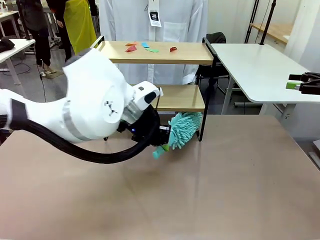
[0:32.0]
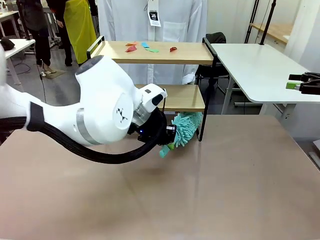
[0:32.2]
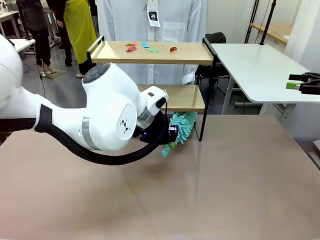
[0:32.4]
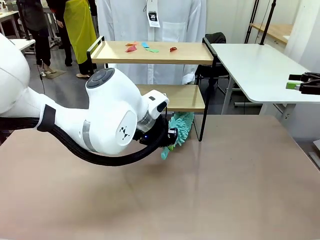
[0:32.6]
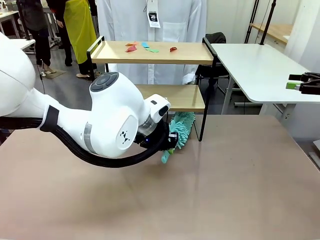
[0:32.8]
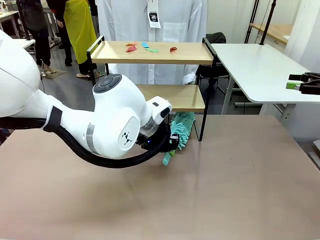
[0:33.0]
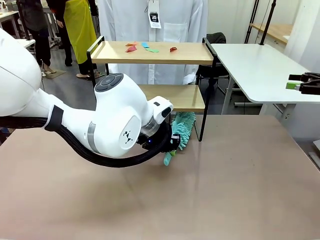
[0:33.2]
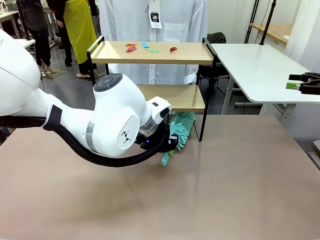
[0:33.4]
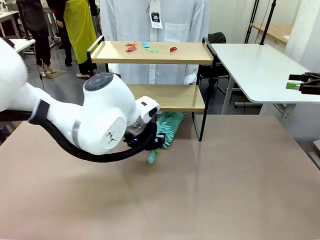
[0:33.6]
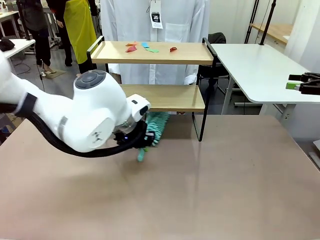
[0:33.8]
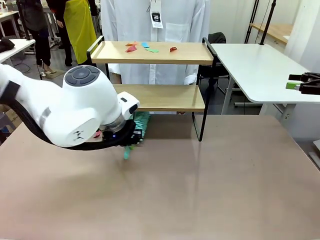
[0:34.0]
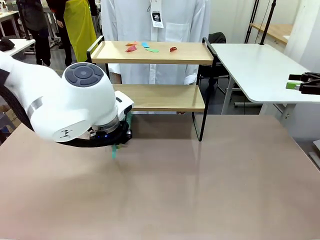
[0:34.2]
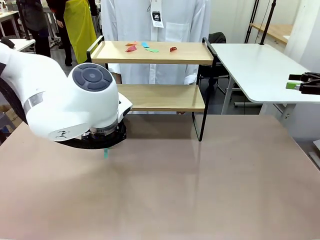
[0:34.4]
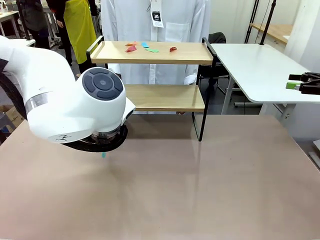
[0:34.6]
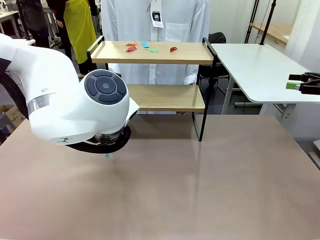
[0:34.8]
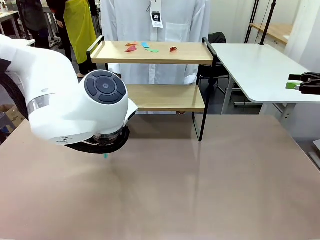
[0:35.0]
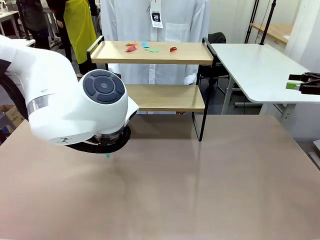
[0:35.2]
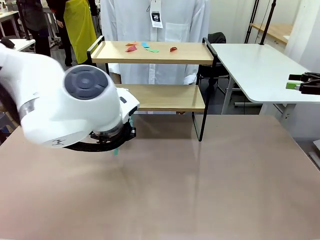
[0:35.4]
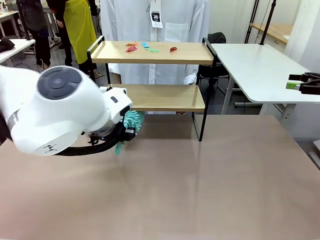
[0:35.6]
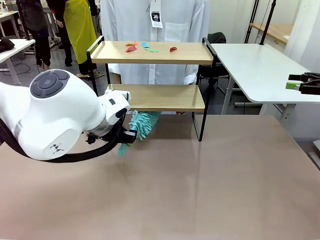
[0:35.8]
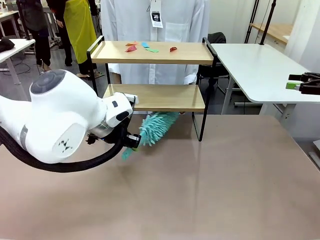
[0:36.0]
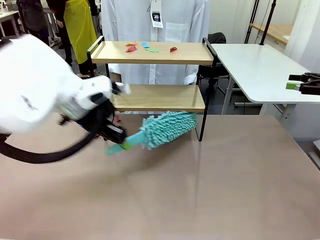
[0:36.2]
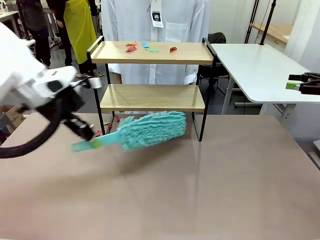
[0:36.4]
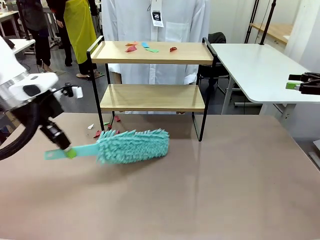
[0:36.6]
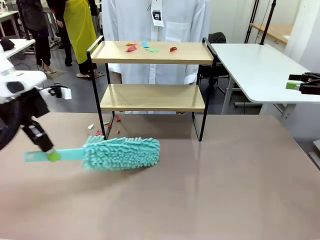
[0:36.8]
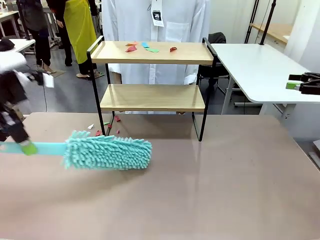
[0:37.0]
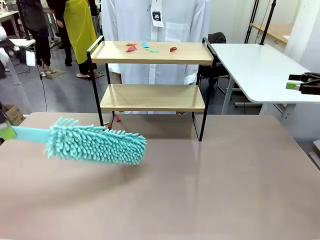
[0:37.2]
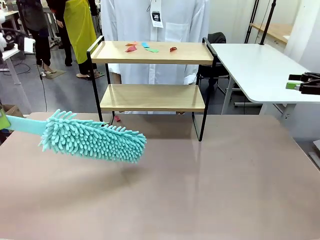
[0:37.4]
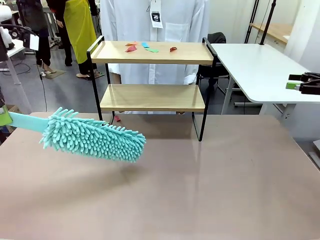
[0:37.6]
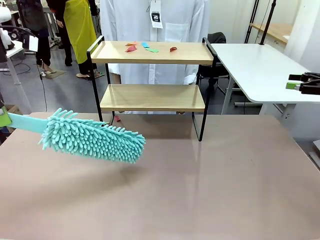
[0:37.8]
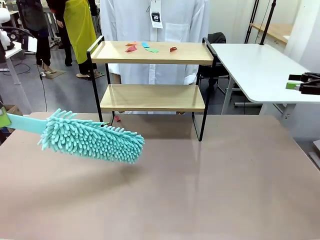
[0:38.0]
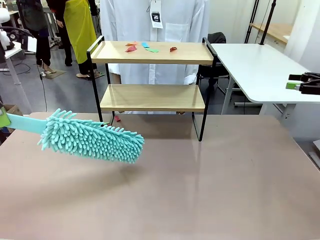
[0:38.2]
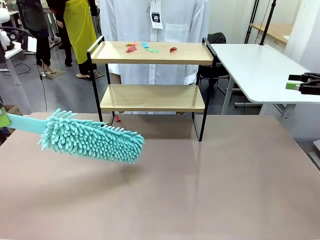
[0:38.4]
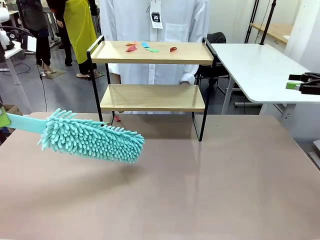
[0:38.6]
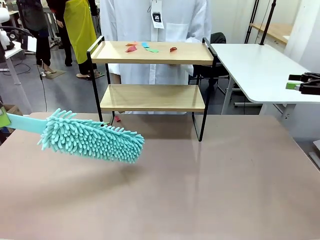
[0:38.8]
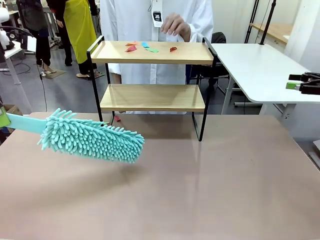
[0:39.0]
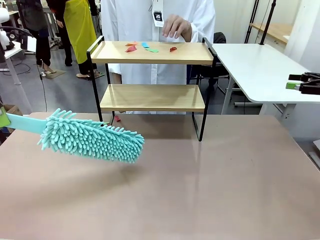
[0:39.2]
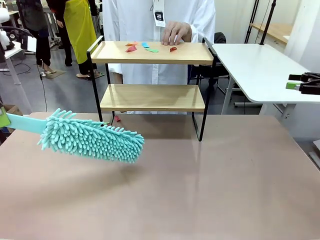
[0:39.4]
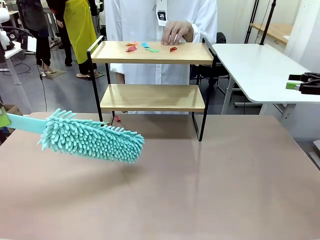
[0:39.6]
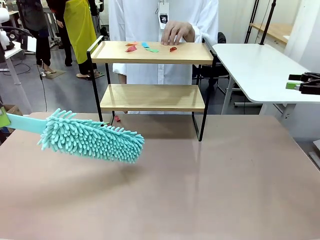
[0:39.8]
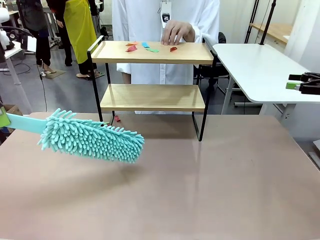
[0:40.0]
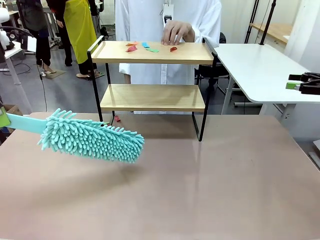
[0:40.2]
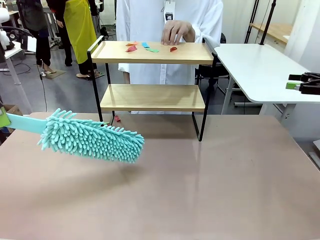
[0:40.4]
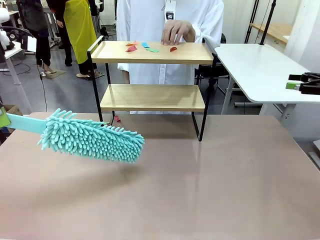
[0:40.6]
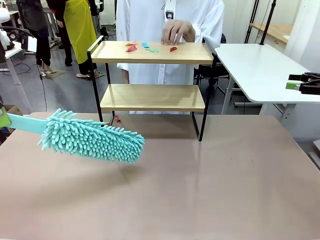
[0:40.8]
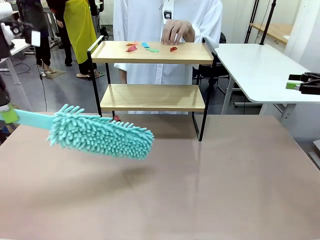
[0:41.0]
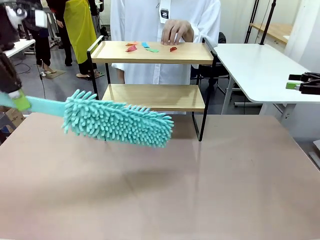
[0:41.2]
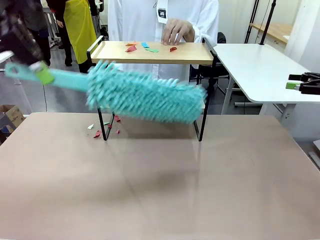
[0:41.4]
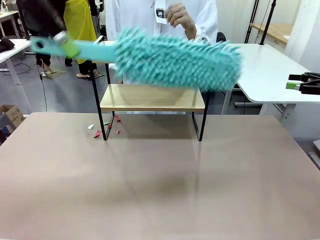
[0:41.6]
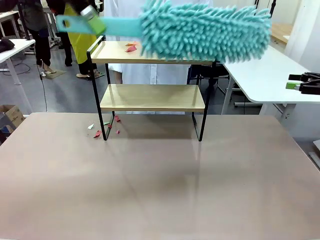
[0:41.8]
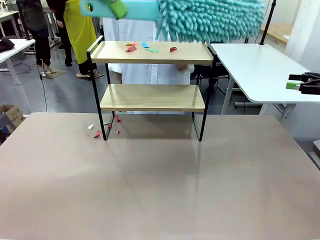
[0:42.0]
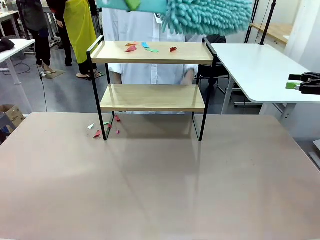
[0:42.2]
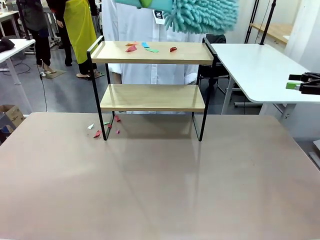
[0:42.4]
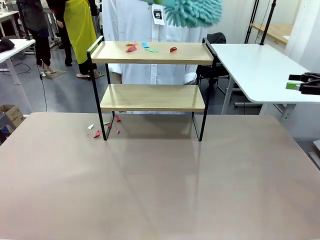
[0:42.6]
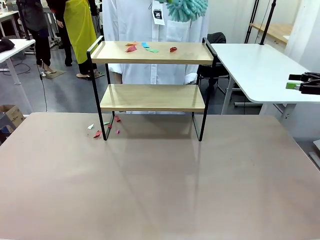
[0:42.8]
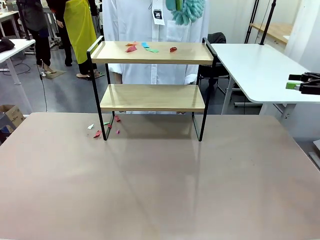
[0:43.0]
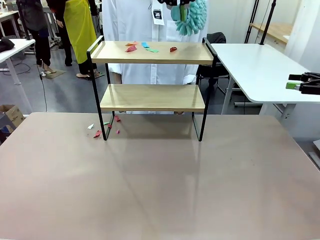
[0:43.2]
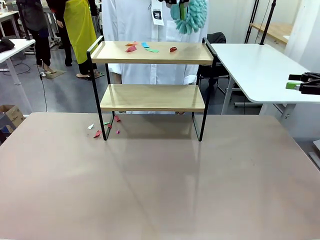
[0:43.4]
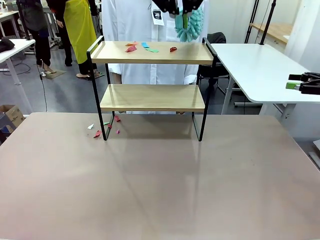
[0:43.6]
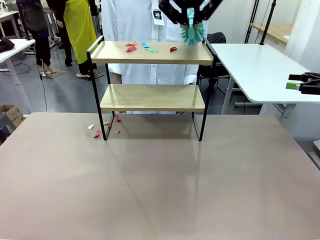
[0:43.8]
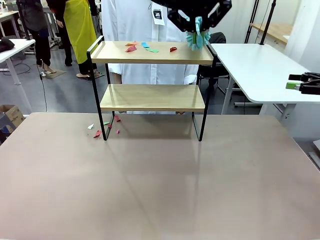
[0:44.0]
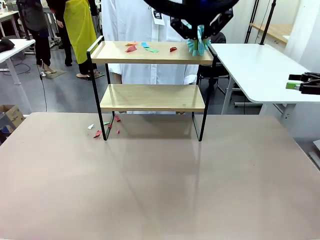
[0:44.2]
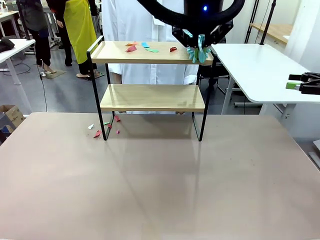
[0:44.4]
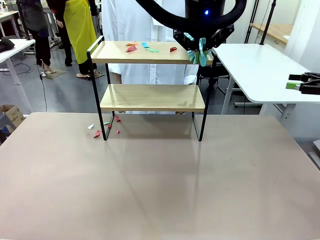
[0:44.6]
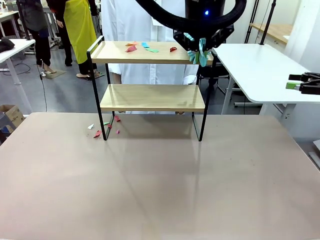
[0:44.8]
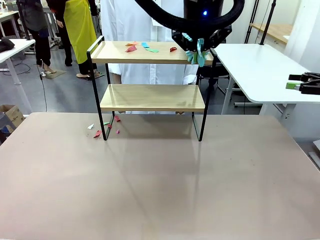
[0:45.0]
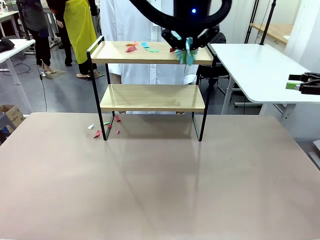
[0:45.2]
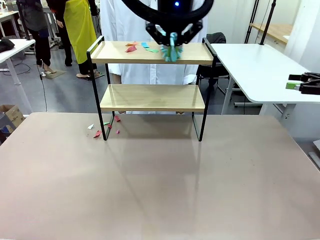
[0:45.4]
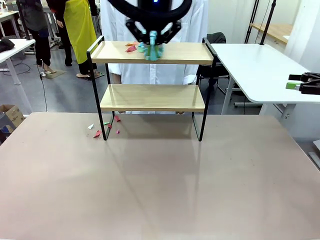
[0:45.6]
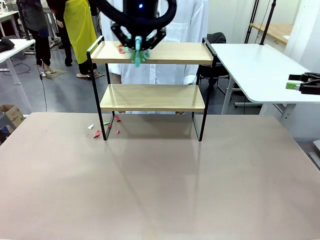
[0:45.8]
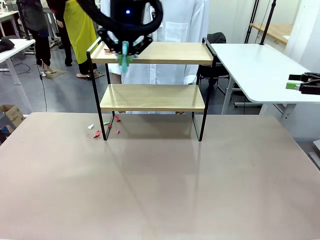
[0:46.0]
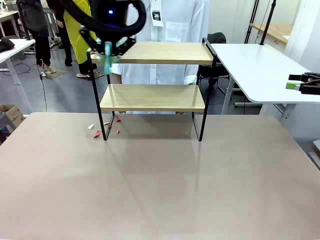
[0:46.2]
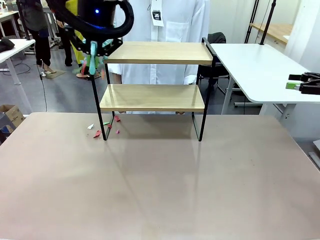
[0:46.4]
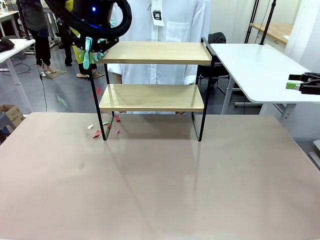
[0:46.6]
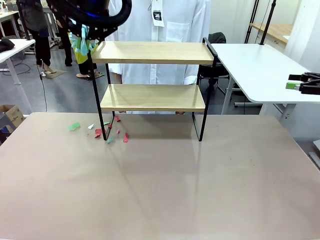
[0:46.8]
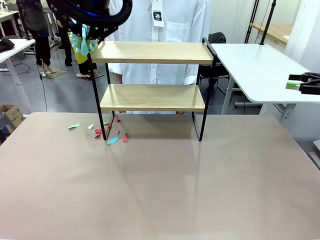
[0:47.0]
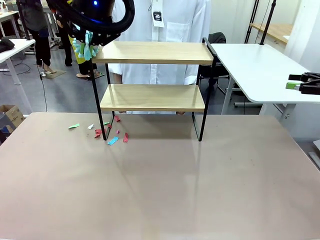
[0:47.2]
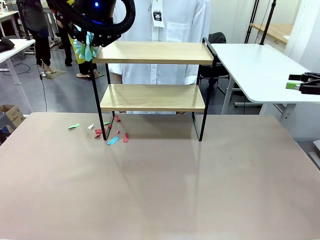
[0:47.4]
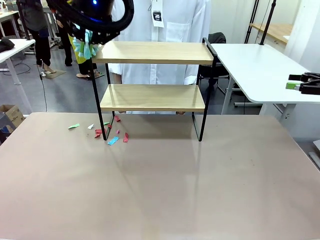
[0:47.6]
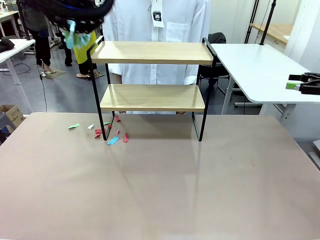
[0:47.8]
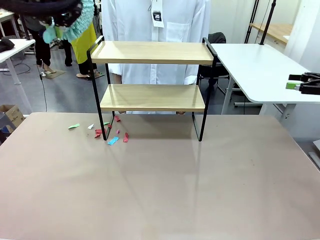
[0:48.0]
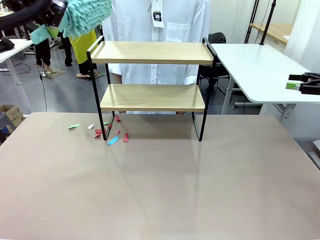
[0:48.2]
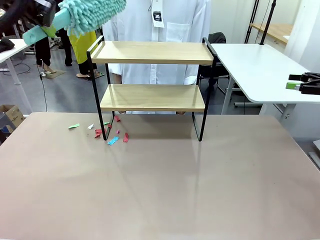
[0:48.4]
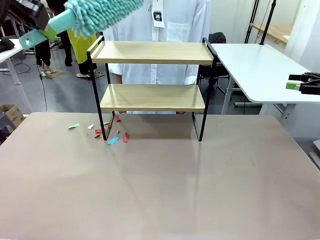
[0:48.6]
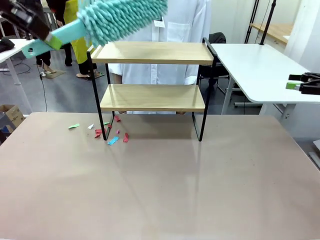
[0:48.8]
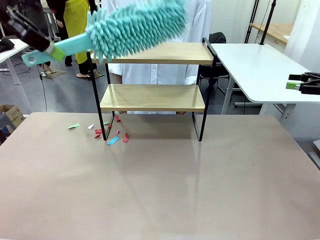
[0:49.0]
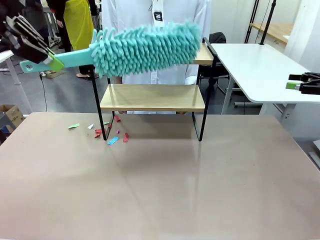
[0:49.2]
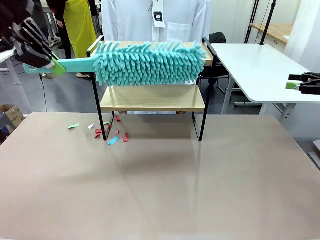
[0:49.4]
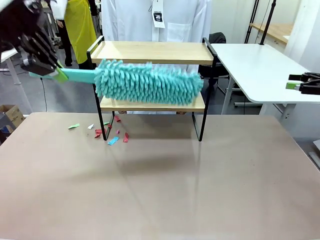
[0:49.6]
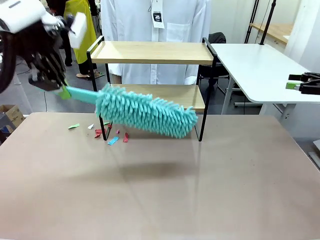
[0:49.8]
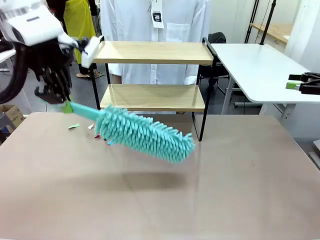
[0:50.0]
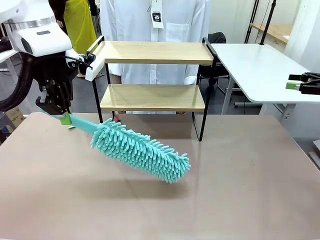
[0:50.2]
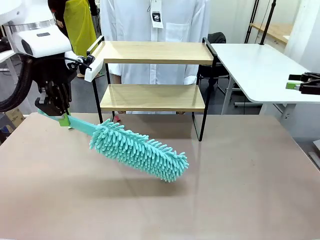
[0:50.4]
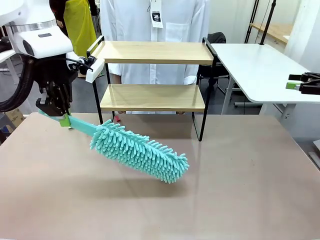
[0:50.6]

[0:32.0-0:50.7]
Task: Clean the shelf.
Robot: Clean the specific section of the Shelf indicated by the human with the Duster.
Person: Point a remaining section of the Shelf.
